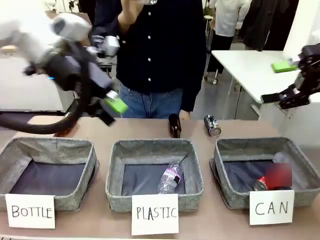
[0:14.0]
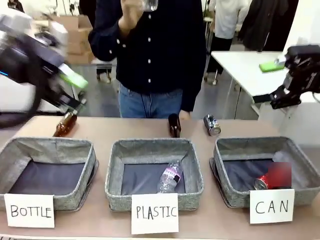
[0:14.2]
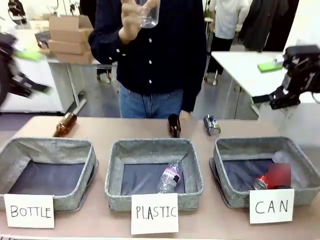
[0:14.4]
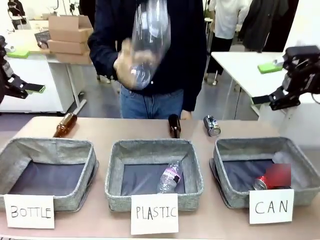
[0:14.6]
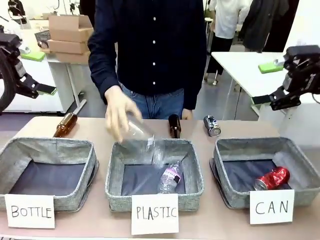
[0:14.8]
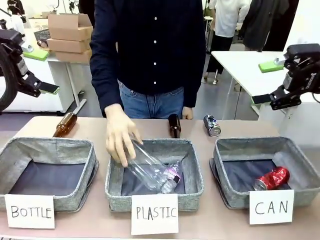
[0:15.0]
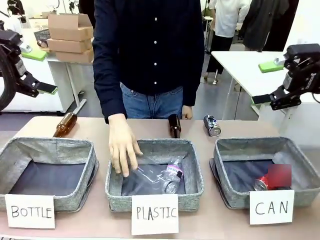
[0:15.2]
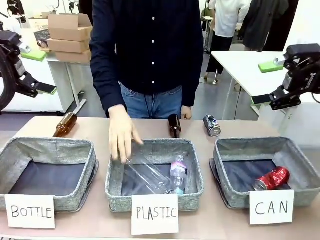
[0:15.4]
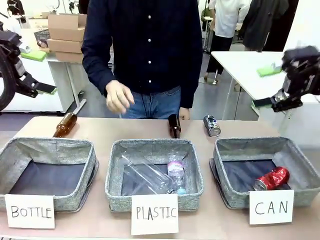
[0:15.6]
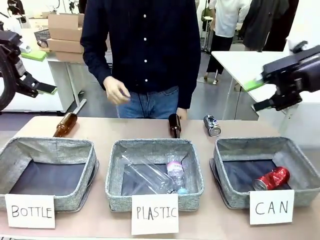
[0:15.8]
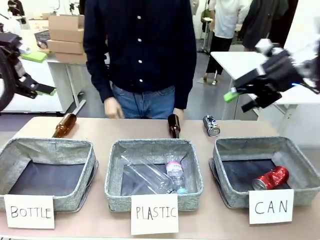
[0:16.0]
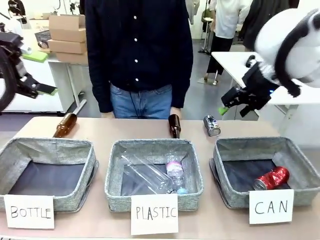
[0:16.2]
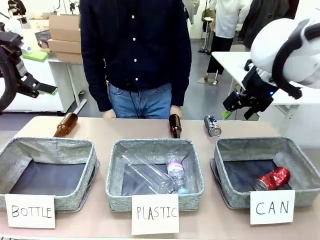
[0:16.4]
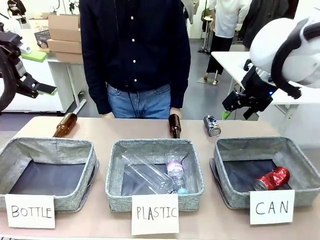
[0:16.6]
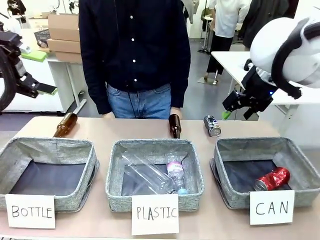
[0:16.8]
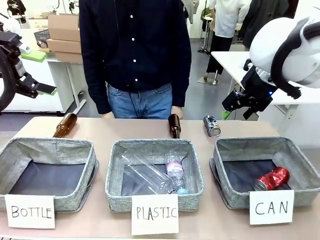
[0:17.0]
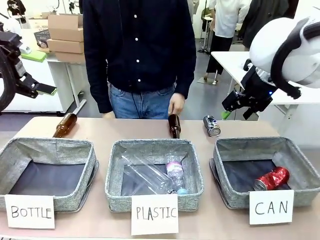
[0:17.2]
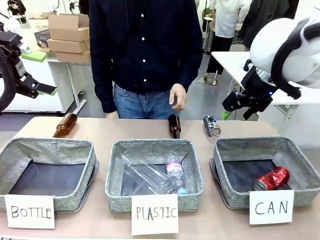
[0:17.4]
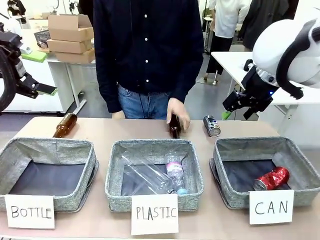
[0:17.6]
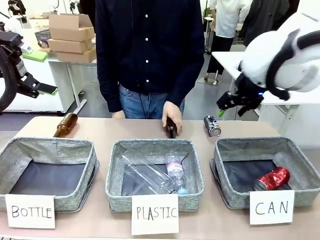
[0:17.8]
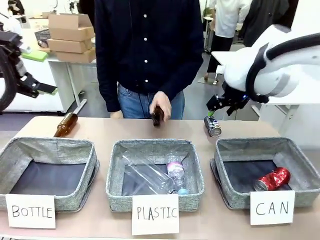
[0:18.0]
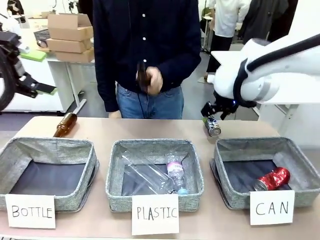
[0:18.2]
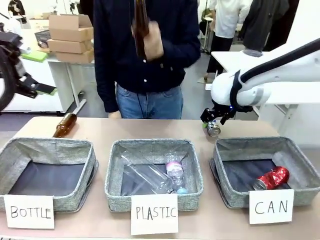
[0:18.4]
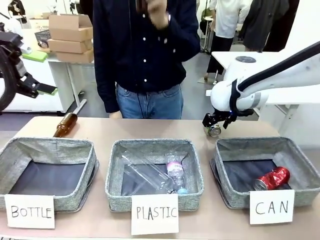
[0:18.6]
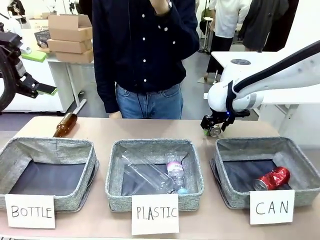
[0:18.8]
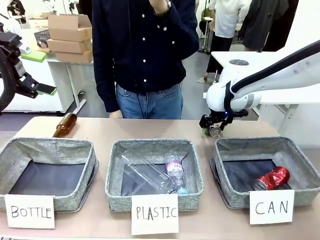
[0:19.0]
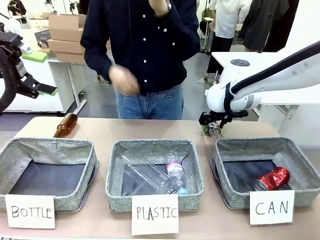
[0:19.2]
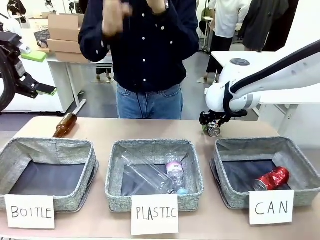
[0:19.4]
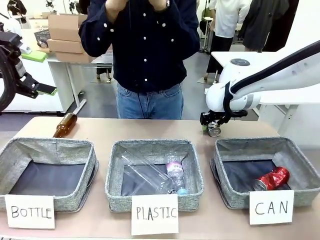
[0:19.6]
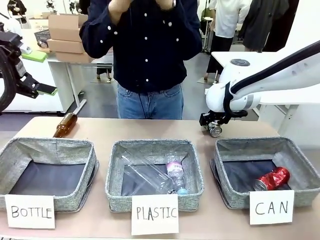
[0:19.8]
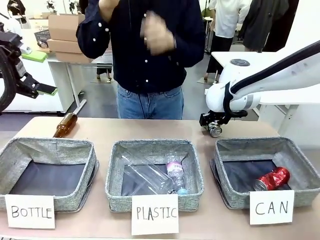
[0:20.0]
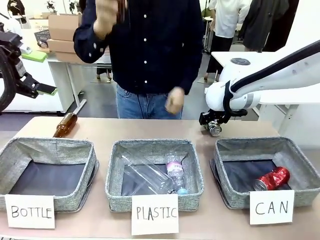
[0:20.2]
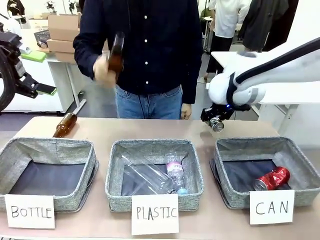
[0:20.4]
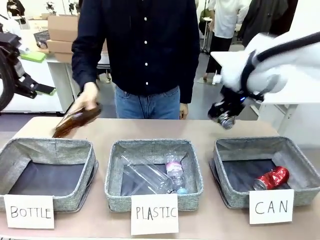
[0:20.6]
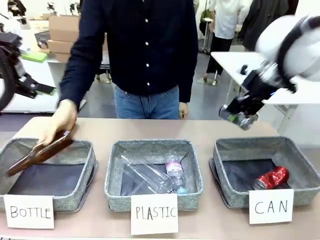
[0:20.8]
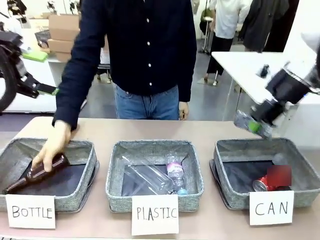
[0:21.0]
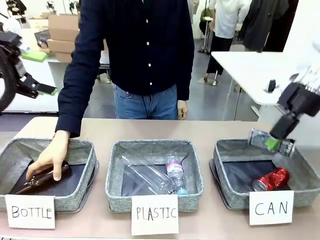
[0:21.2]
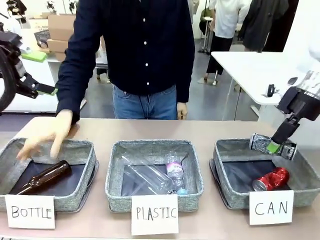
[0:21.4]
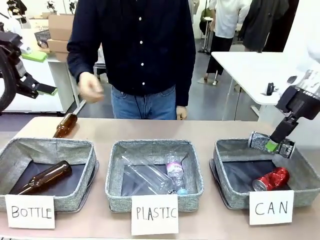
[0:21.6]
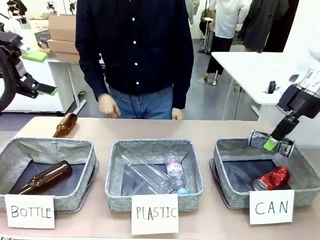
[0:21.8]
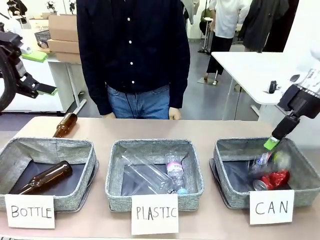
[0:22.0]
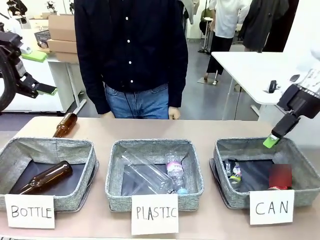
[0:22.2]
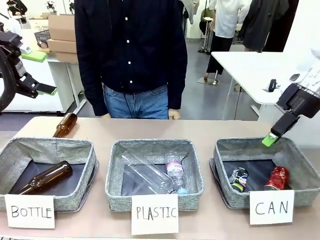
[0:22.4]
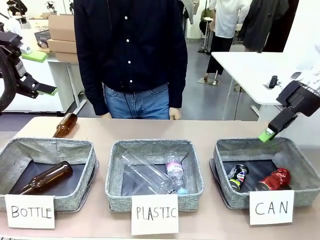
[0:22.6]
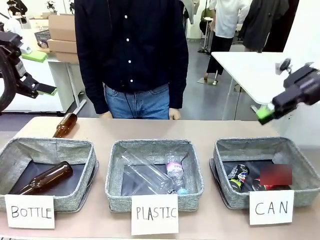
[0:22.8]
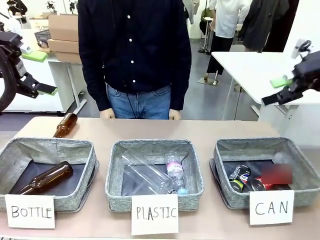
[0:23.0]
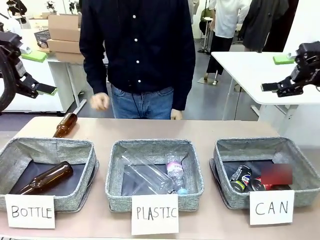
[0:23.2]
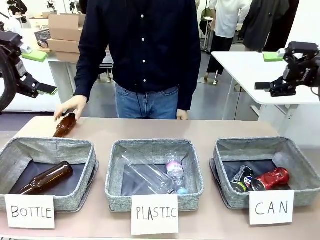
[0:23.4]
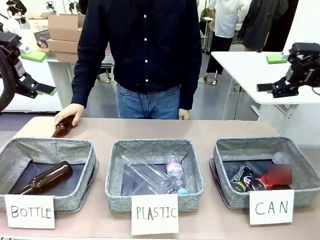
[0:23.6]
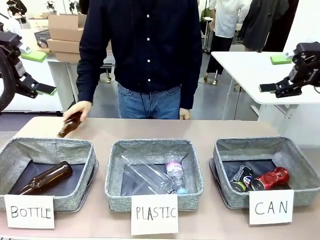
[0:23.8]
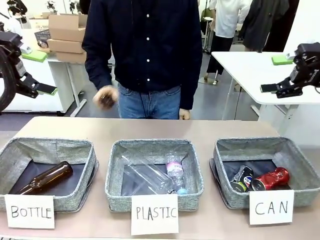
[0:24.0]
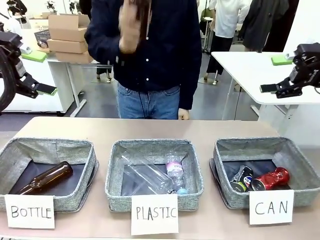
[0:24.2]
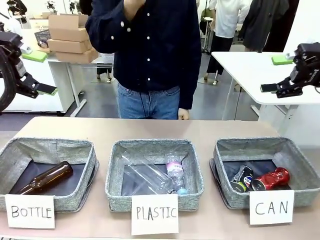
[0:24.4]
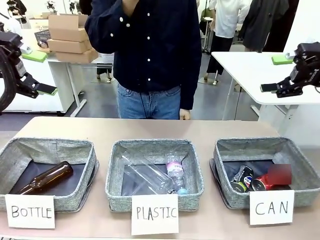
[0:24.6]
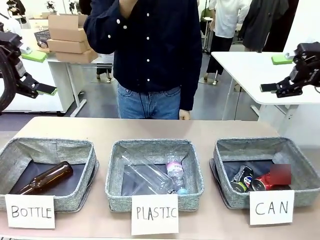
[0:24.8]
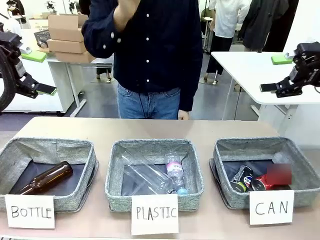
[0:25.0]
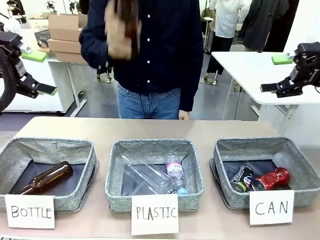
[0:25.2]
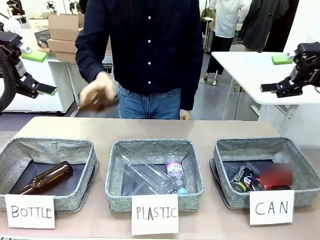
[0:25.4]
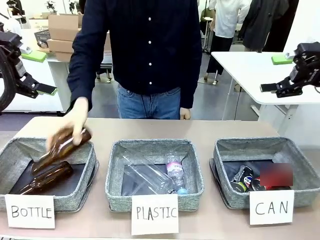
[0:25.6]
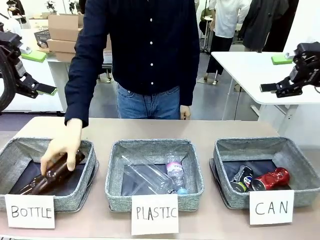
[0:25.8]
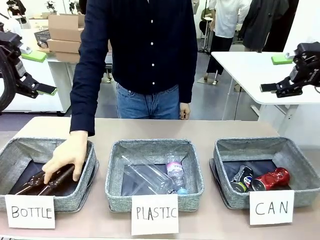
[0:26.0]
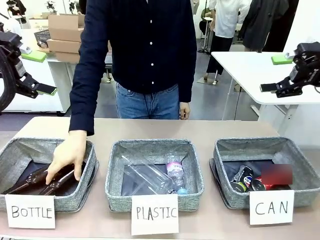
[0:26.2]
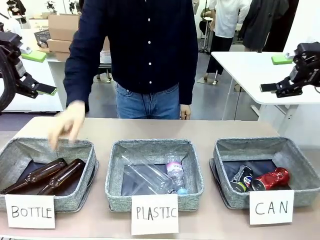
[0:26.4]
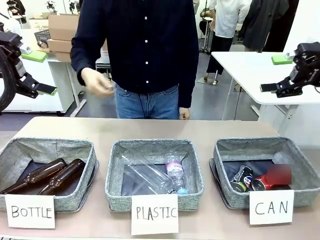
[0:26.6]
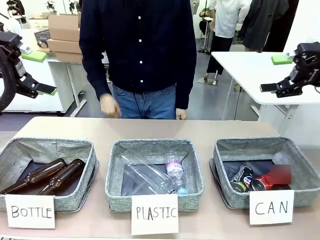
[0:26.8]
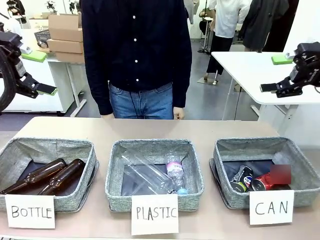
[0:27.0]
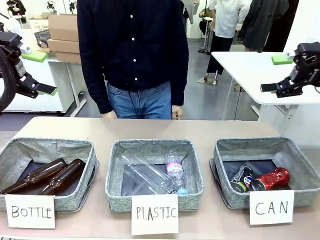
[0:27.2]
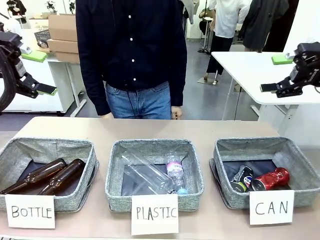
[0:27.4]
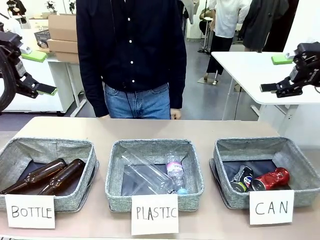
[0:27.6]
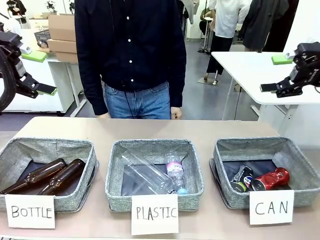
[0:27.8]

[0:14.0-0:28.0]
Task: Sort the can waste into the basket.
Robot: Pick up the can waste from the table and place it in the right Fabric basket.
